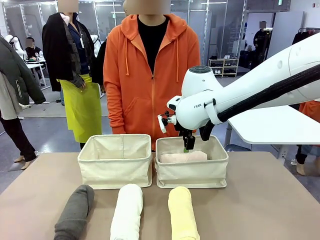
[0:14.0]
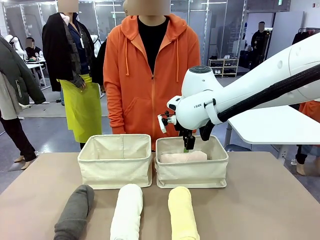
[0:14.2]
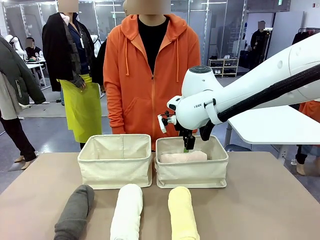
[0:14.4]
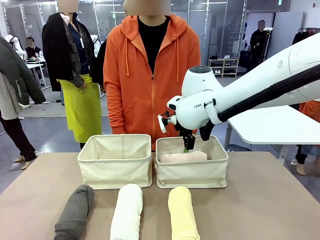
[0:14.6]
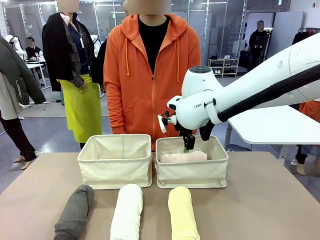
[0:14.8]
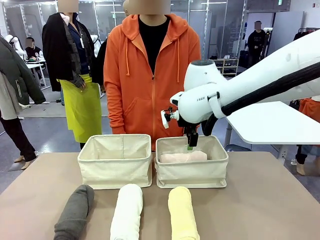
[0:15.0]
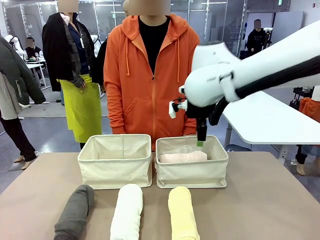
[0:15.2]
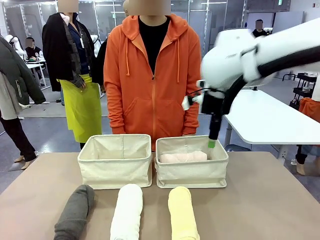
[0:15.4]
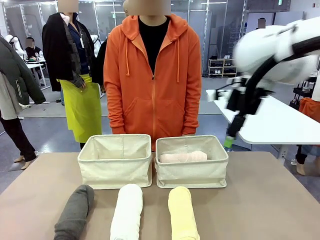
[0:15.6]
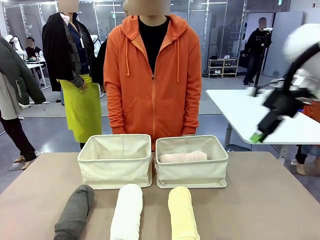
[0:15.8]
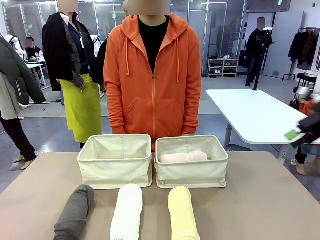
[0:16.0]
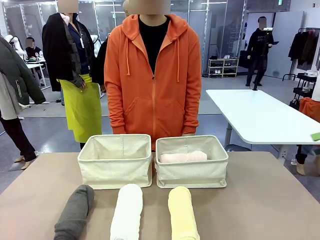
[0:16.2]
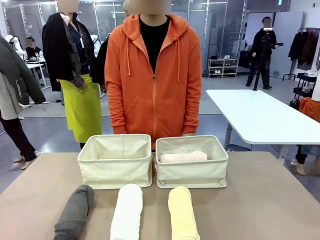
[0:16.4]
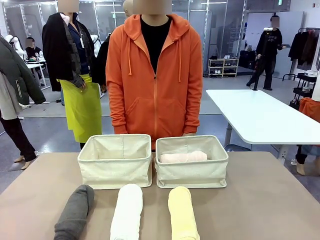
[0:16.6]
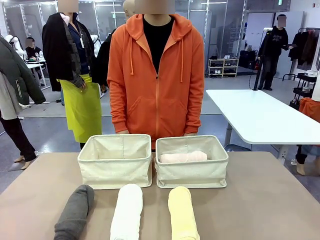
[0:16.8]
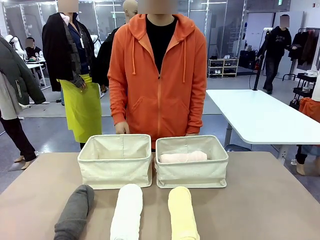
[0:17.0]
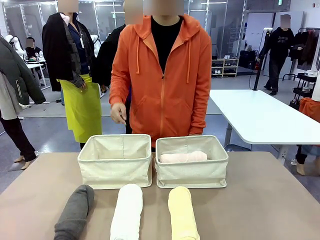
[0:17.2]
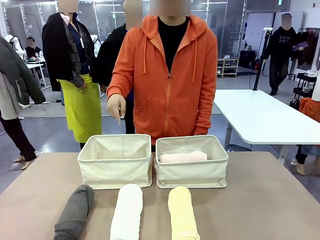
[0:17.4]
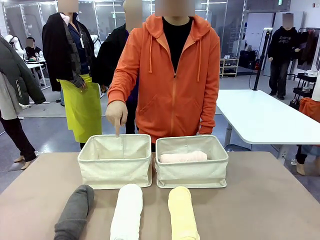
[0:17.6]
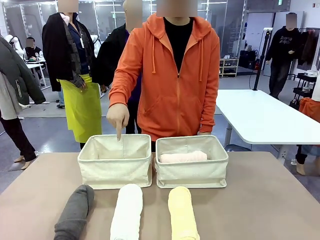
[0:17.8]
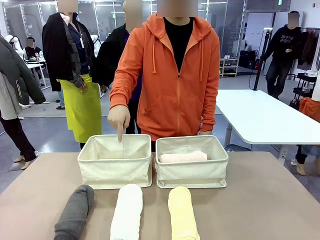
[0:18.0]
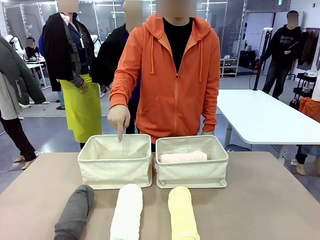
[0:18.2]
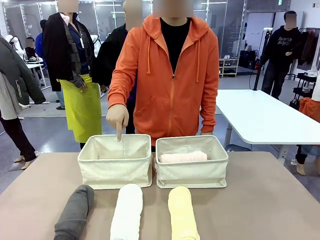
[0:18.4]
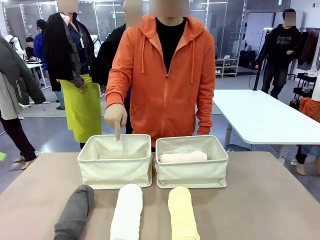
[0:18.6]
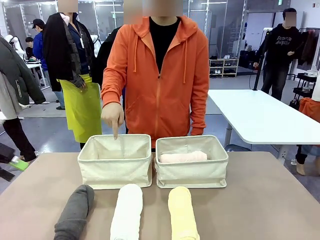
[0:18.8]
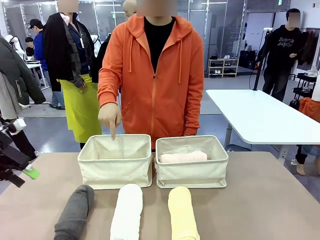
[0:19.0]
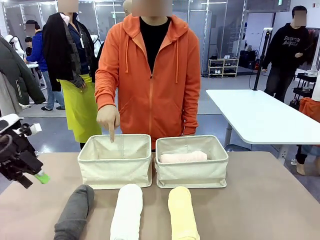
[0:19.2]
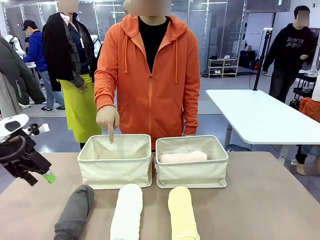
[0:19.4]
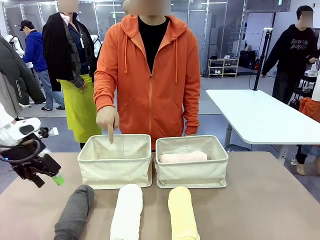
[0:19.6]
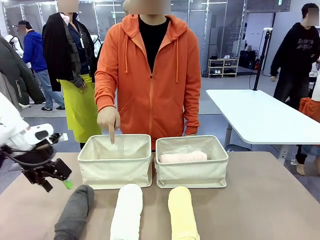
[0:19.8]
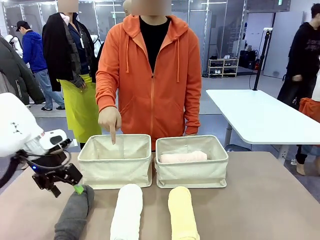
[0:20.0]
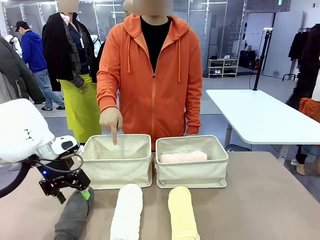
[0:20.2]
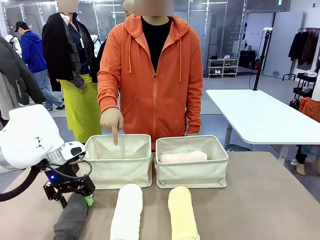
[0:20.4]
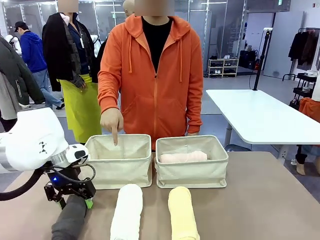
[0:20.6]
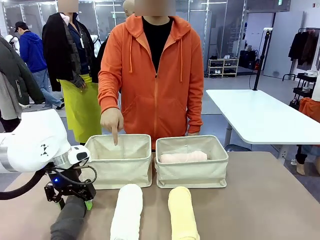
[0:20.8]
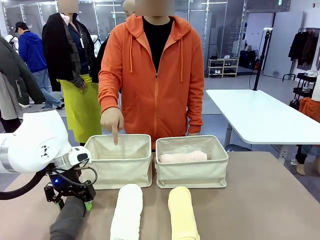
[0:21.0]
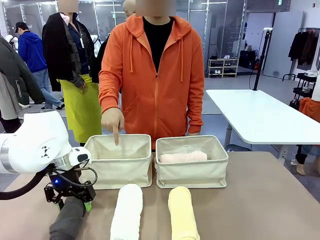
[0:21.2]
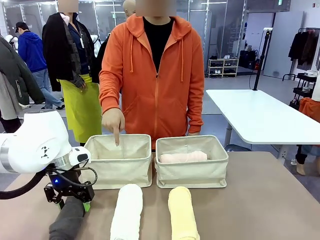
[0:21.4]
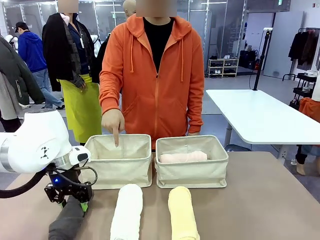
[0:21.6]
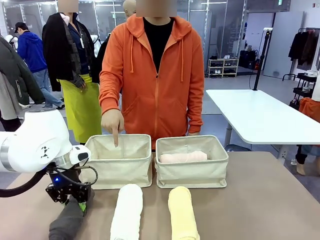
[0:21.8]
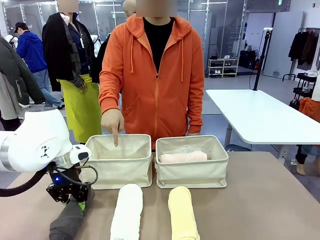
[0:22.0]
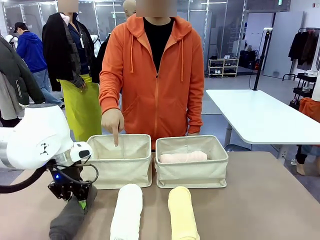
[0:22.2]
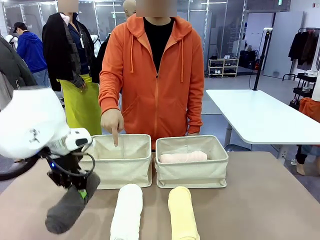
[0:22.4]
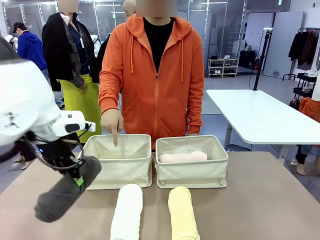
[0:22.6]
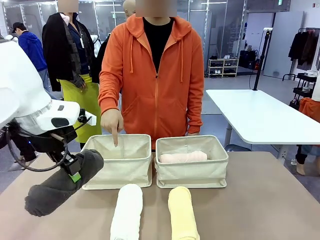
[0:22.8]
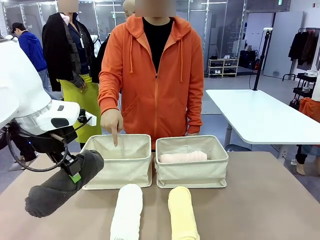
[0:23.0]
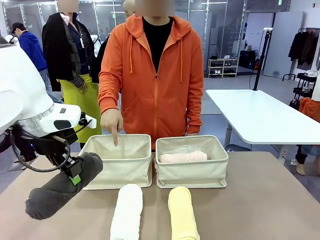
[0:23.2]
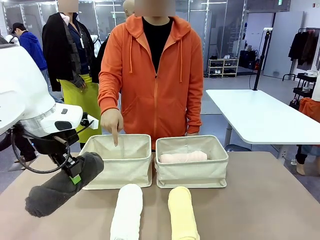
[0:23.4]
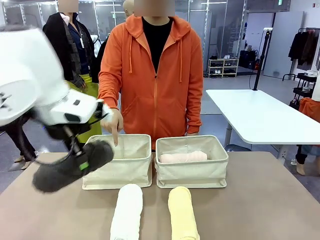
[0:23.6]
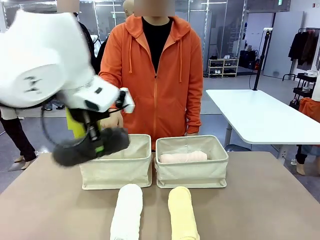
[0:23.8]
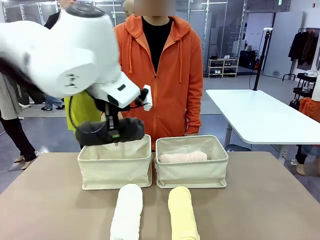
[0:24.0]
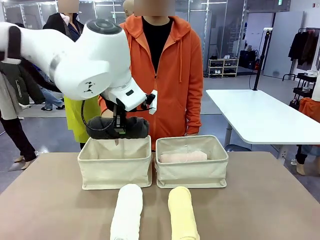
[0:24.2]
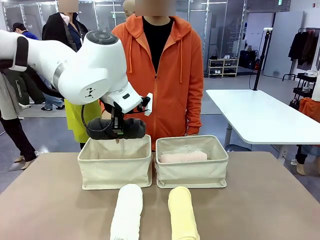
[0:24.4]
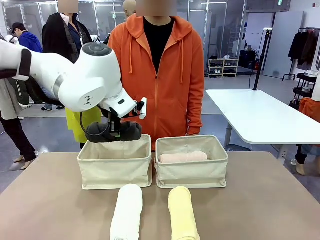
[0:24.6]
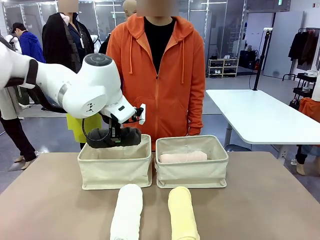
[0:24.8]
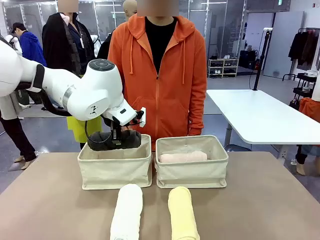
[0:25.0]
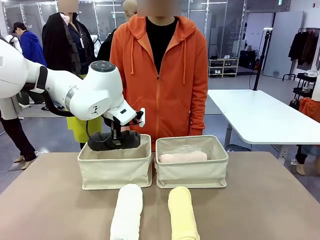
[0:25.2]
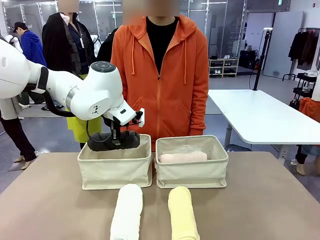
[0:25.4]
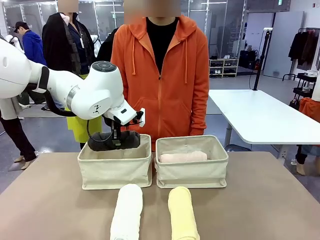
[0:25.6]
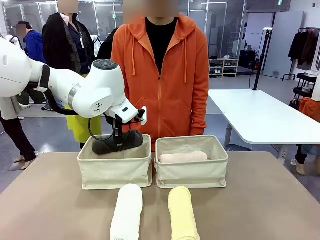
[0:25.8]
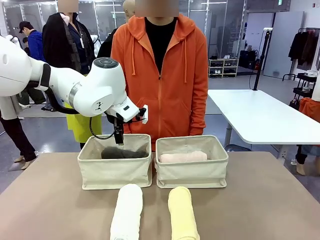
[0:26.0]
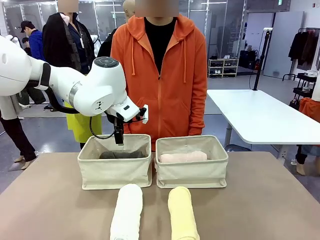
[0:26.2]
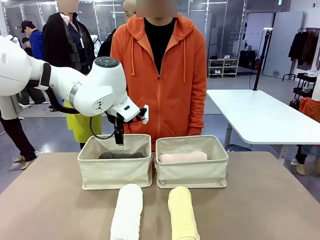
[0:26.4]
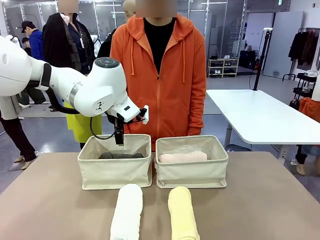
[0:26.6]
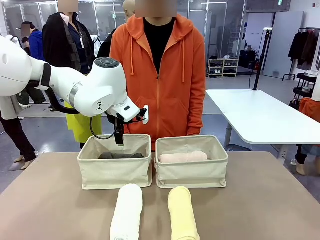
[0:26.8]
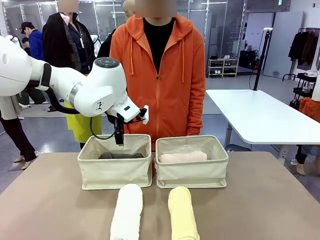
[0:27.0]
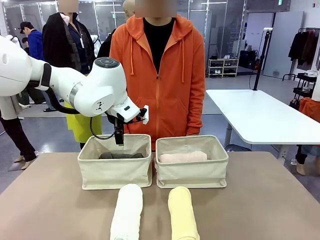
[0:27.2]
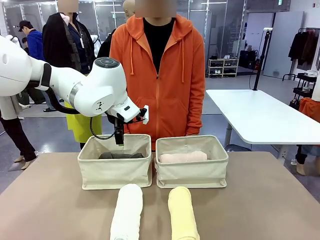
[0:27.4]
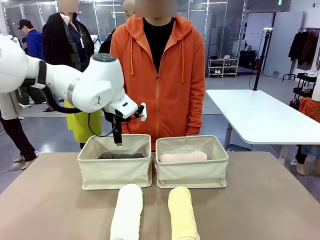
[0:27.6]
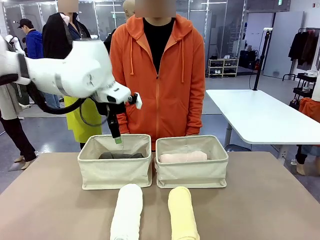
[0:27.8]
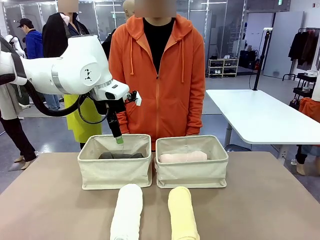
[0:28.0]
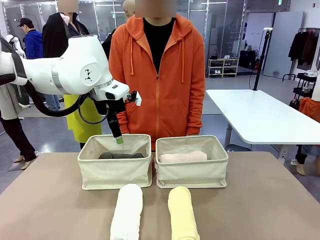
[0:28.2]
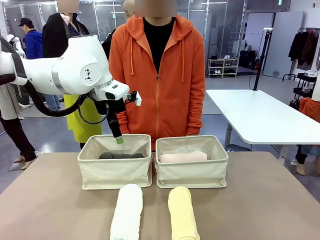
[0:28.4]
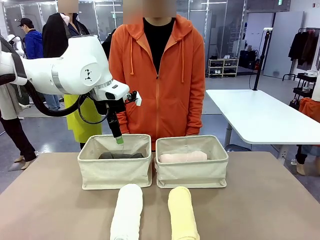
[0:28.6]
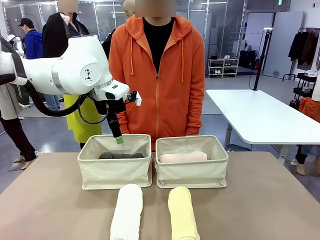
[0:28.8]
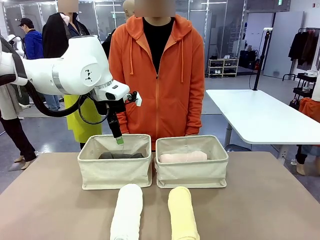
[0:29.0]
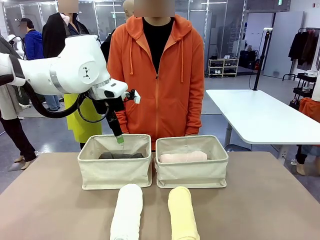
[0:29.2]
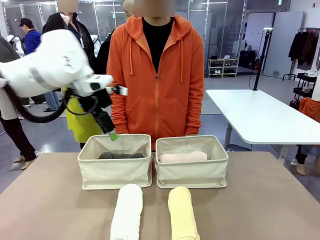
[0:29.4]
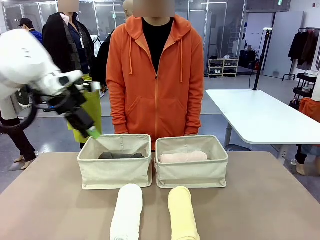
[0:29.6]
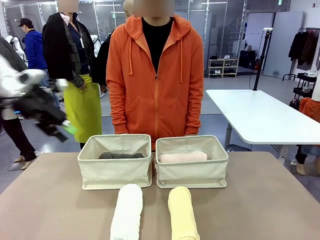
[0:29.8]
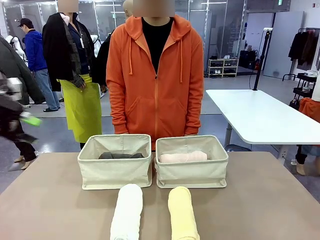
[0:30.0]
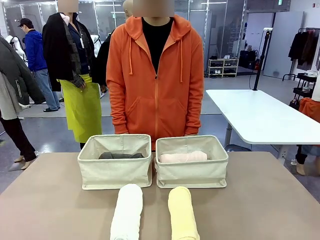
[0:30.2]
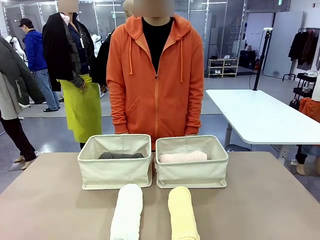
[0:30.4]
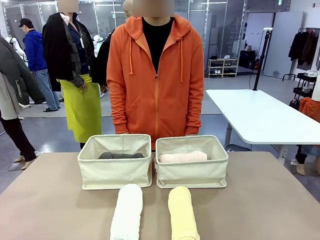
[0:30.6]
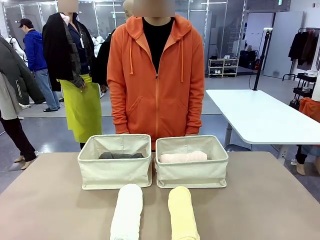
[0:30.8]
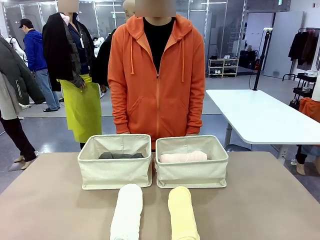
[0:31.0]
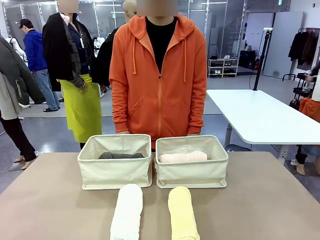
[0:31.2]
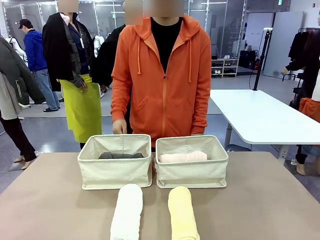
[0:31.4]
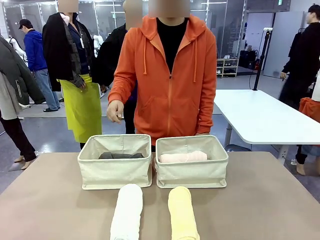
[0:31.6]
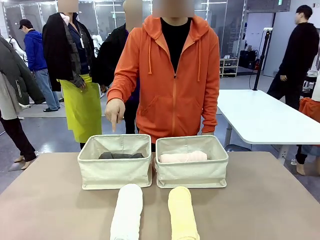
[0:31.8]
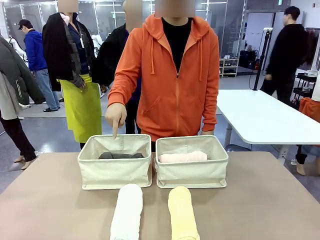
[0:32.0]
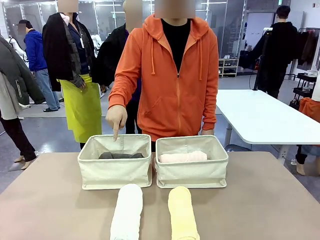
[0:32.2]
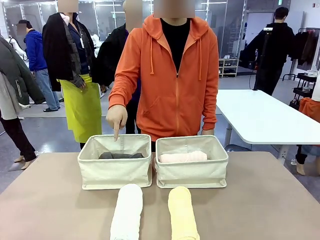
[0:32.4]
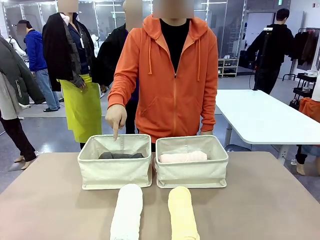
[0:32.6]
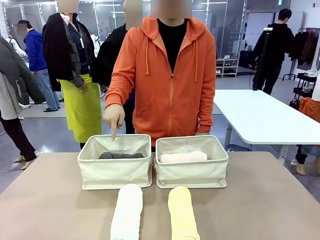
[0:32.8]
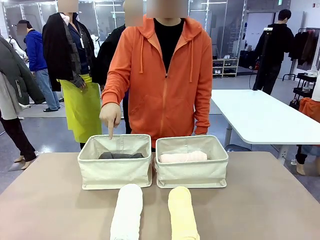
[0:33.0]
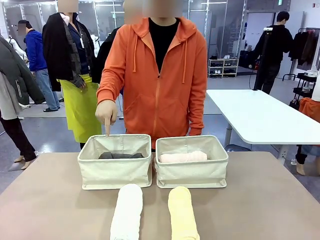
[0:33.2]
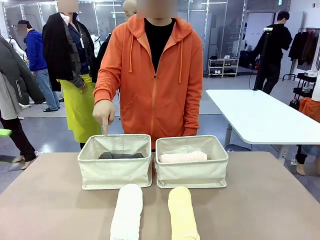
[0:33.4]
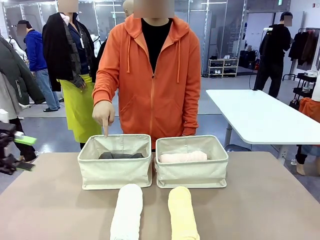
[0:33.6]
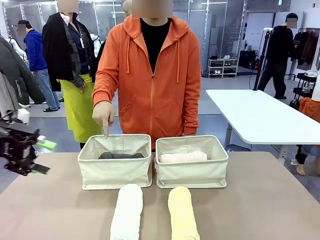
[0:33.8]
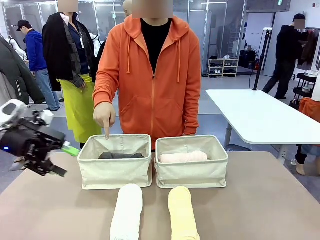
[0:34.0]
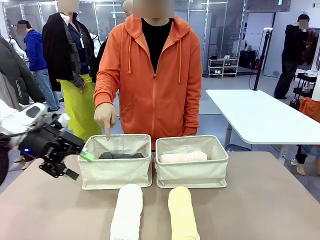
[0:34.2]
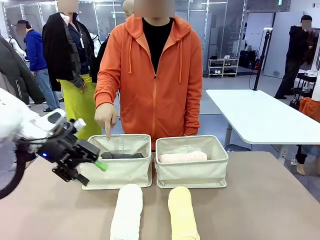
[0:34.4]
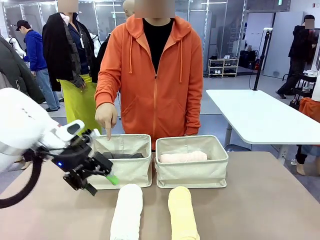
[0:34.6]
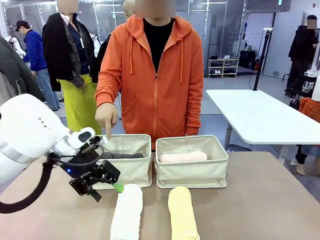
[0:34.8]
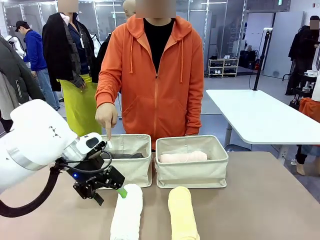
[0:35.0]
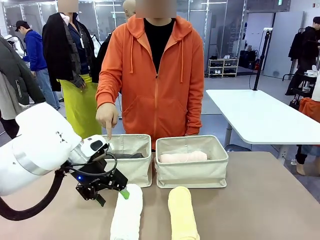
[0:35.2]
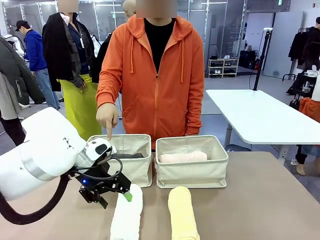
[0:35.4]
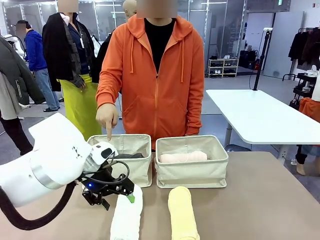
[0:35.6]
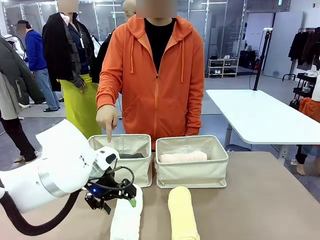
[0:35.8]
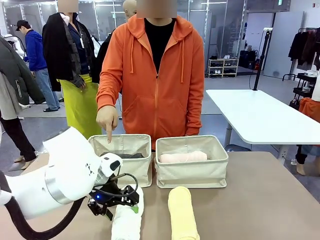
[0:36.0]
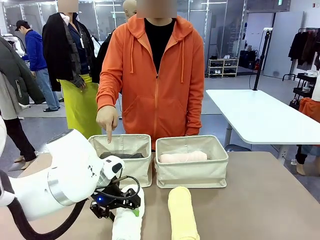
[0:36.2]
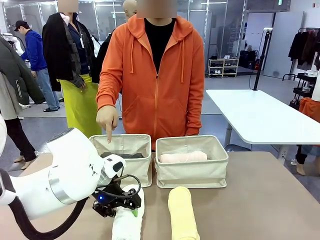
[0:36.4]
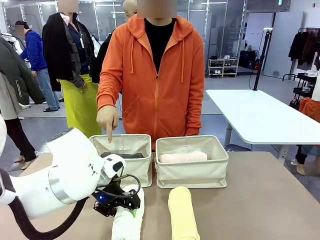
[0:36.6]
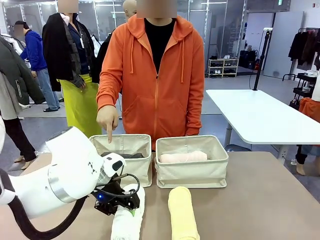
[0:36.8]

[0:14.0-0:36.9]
Task: Divide the towels into two baskets.
Robot: Pick up one hotel-folded towel from the bottom of the table and place it in the Fabric basket indicated by the person.
